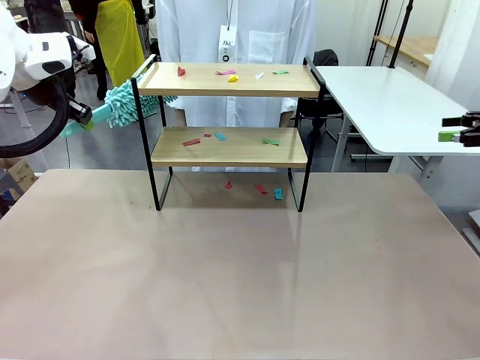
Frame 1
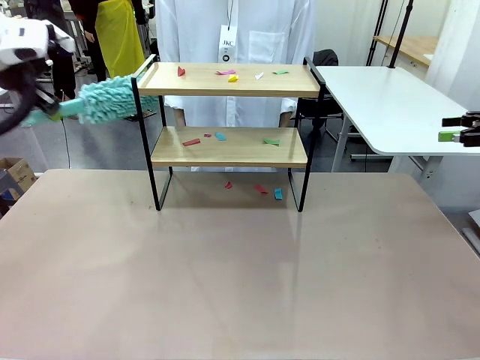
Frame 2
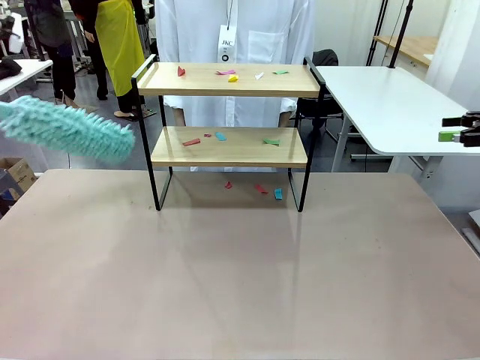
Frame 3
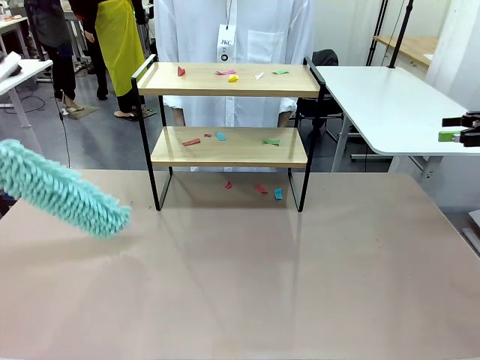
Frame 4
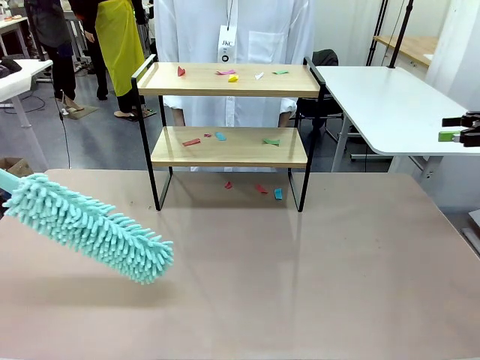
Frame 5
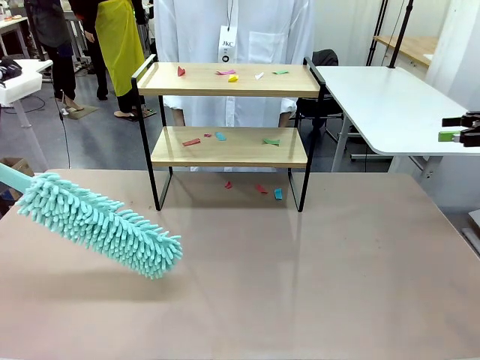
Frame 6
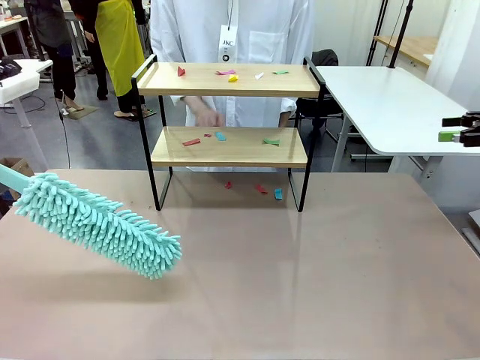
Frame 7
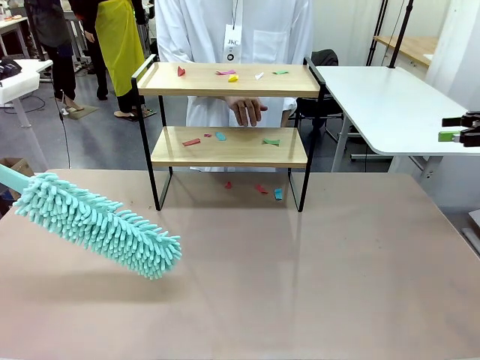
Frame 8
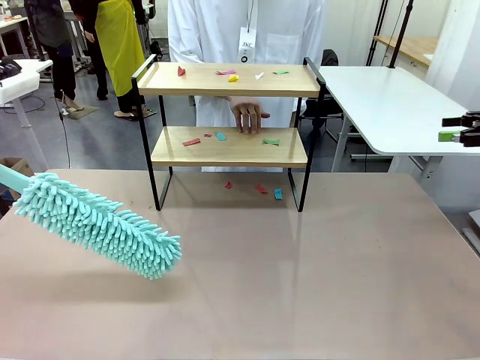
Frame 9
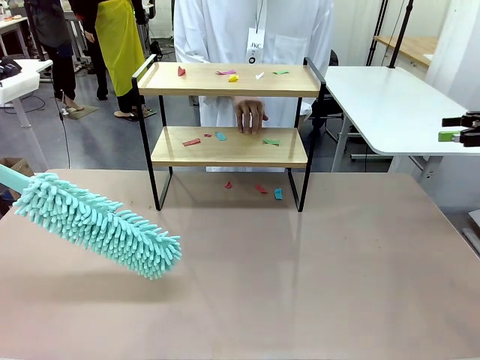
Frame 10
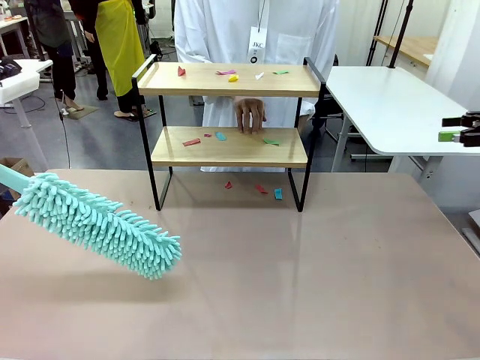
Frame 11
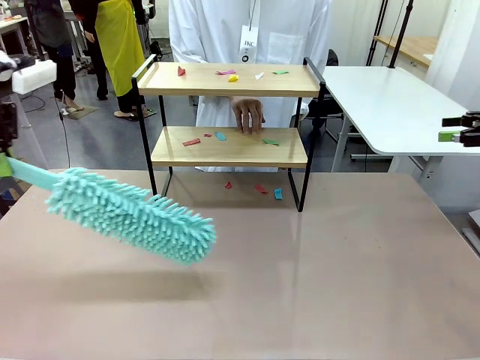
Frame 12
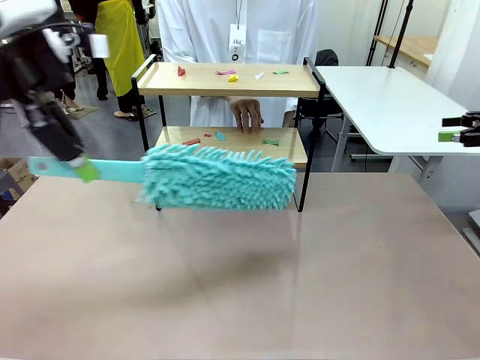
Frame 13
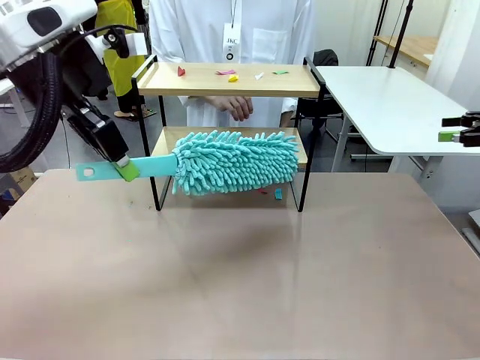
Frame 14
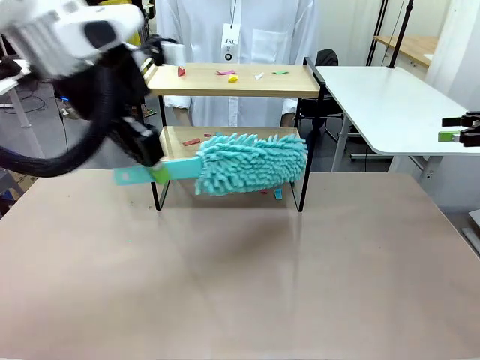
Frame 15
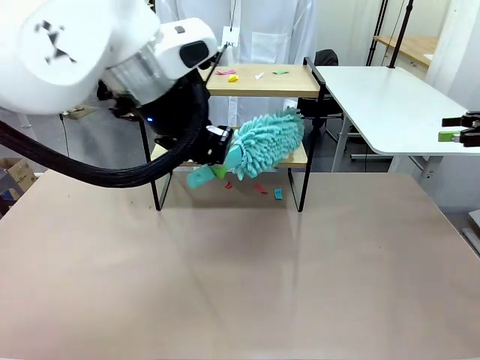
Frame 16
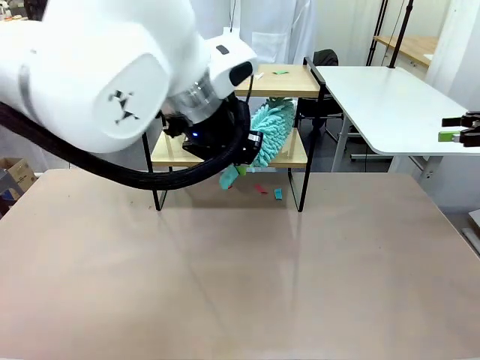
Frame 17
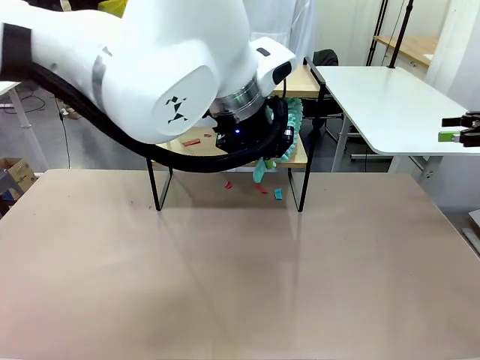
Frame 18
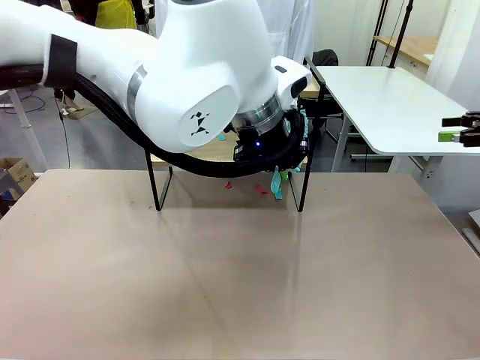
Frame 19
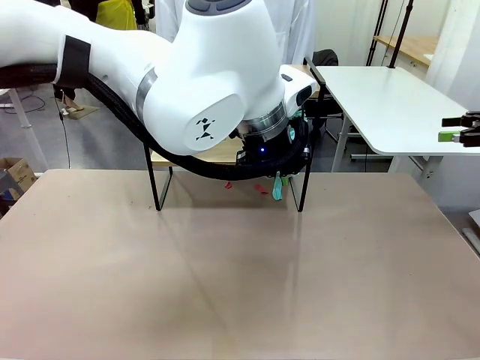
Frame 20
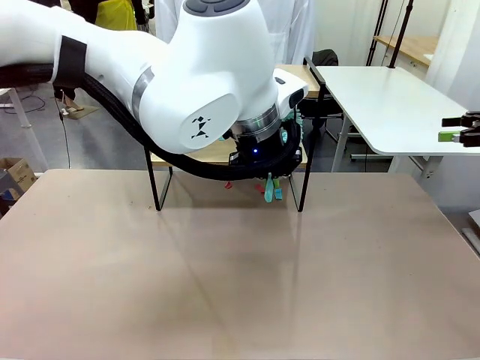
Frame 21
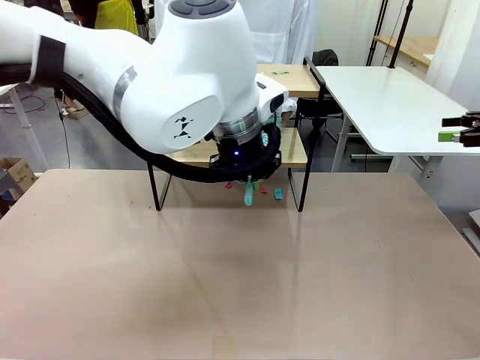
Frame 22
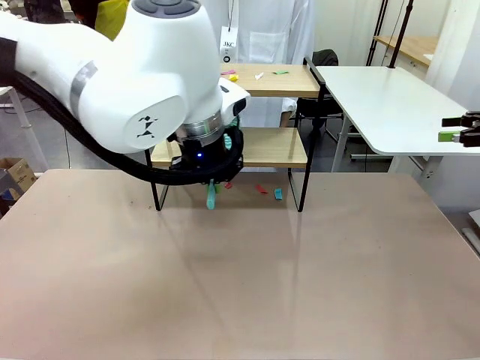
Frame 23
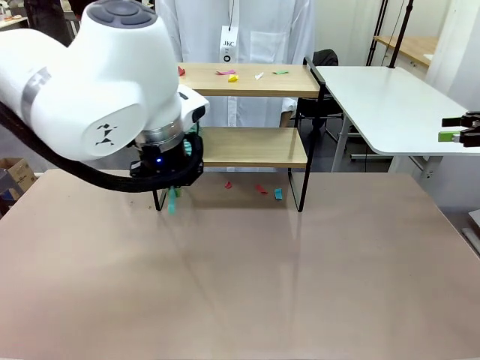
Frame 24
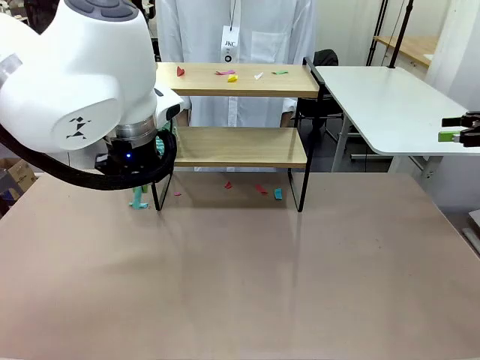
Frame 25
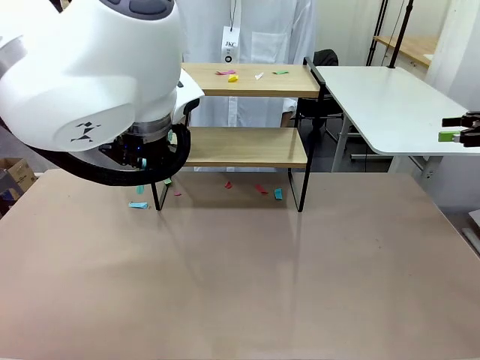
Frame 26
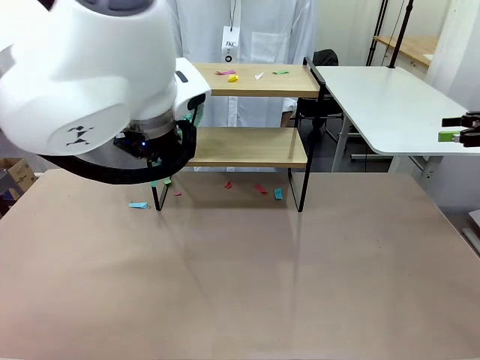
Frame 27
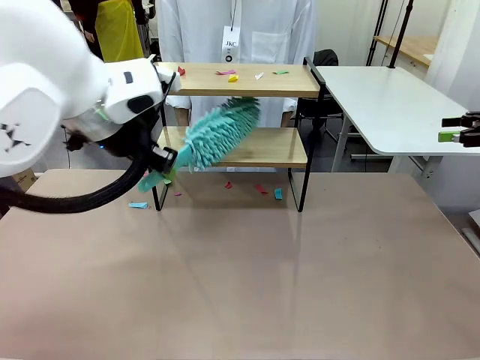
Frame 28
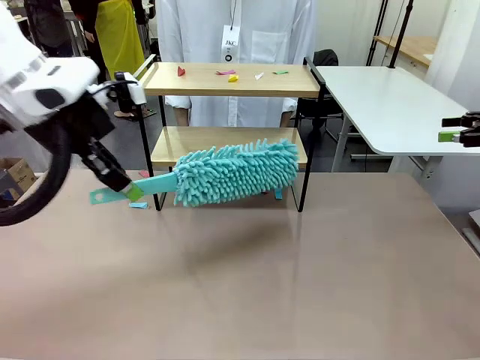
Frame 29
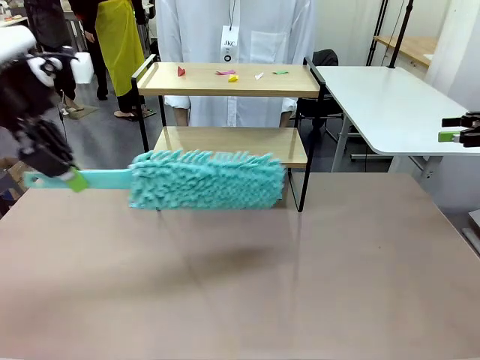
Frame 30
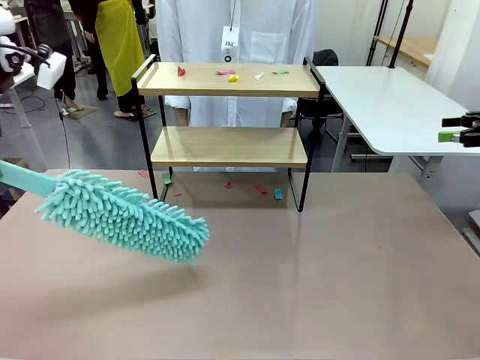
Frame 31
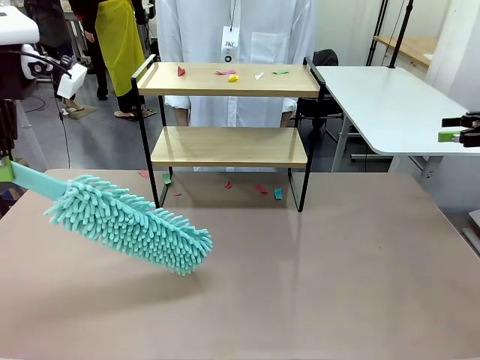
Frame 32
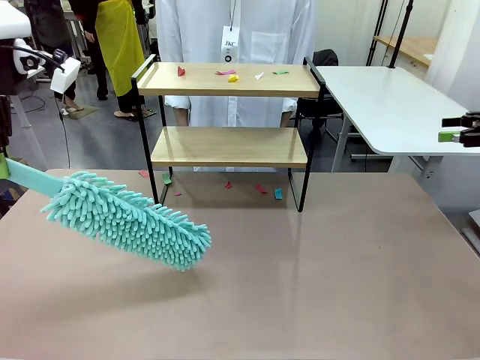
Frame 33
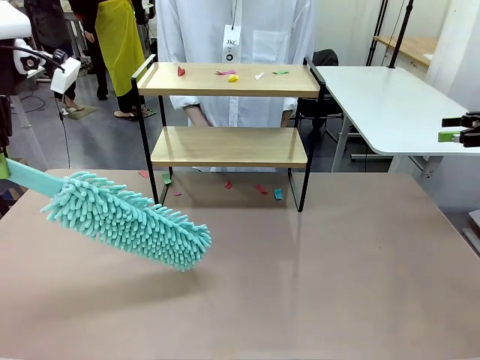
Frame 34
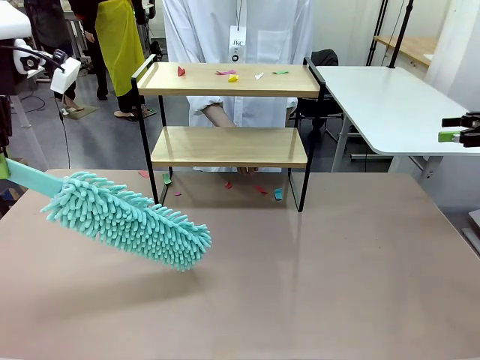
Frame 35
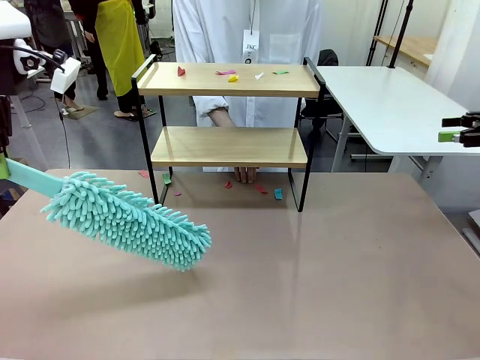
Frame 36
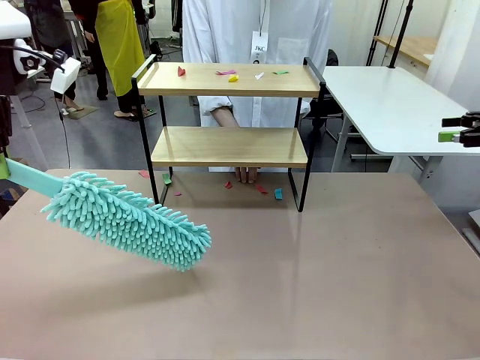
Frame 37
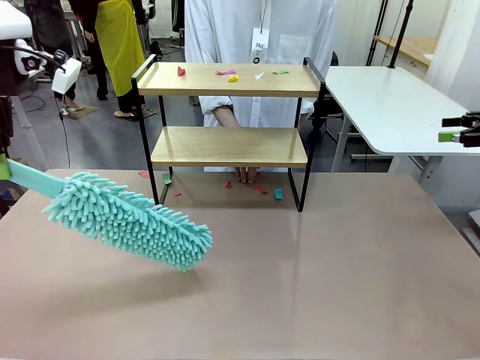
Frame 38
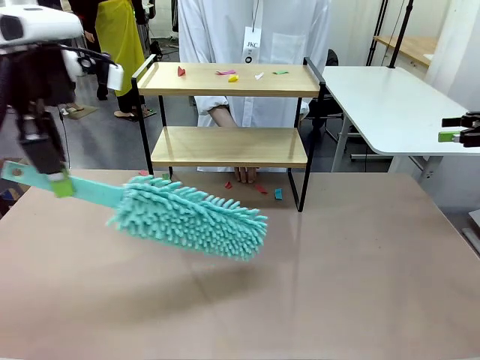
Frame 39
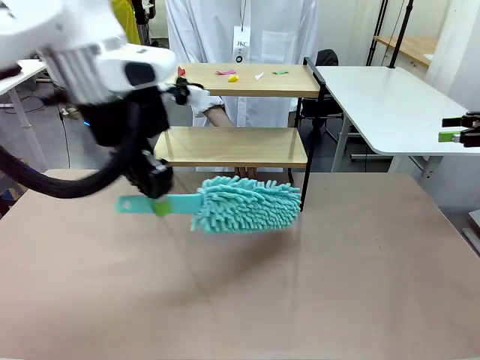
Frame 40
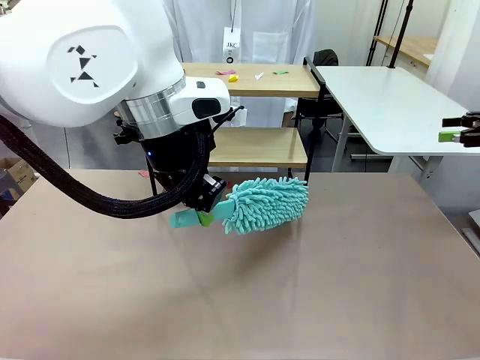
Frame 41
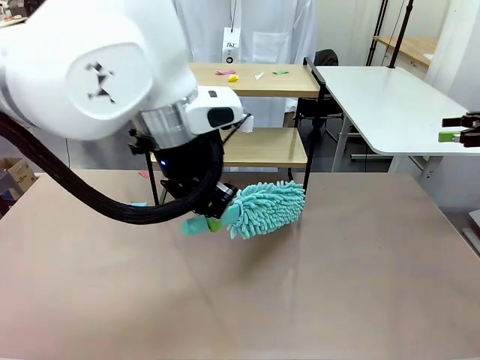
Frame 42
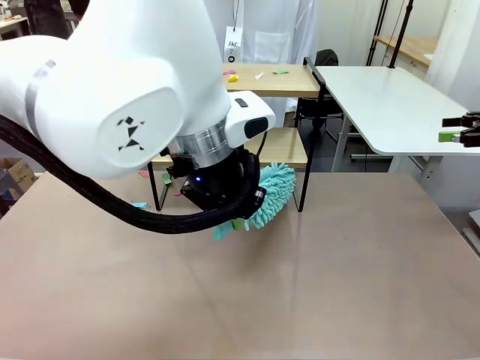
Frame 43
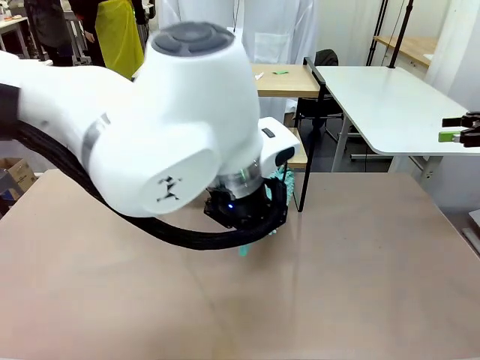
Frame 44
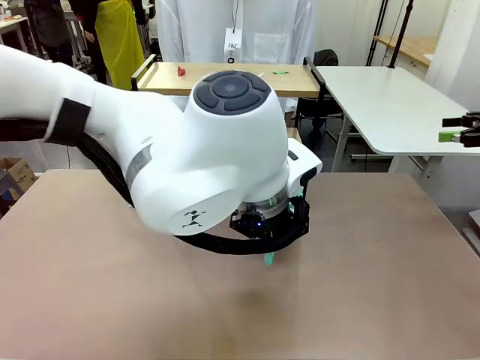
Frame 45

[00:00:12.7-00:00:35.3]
Task: Clean the shelf.
Robot: Clean the specific section of the Shelf indicated by the human with the Duster.
Person: Point a random section of the Shelf.
